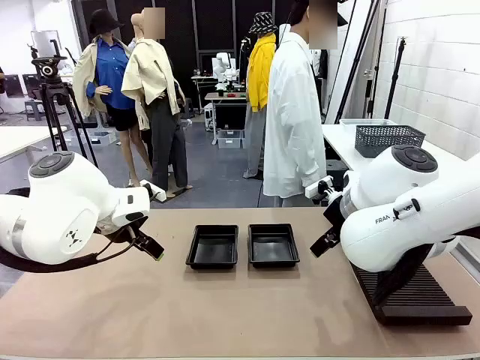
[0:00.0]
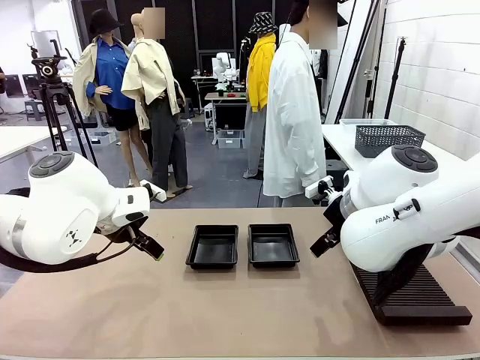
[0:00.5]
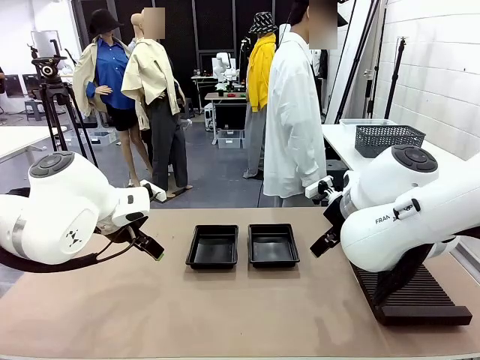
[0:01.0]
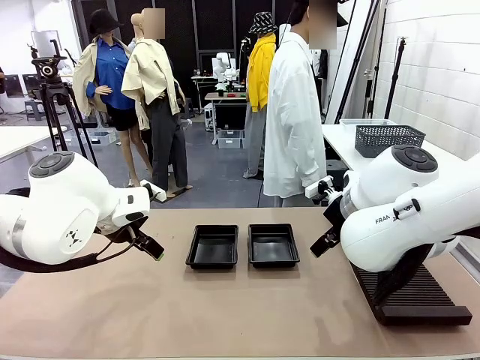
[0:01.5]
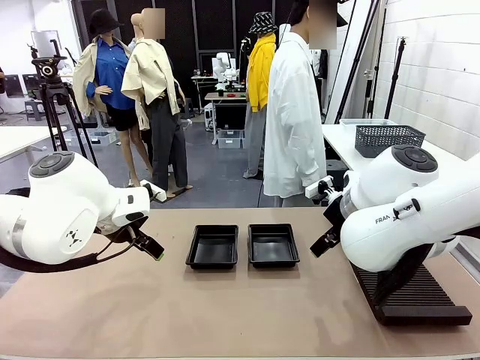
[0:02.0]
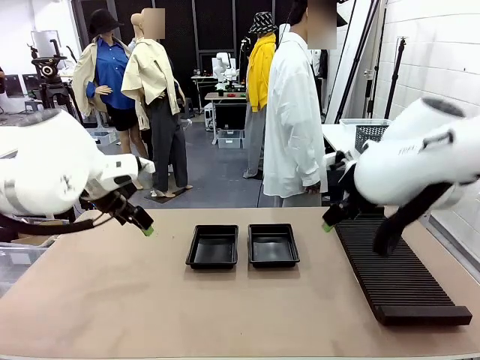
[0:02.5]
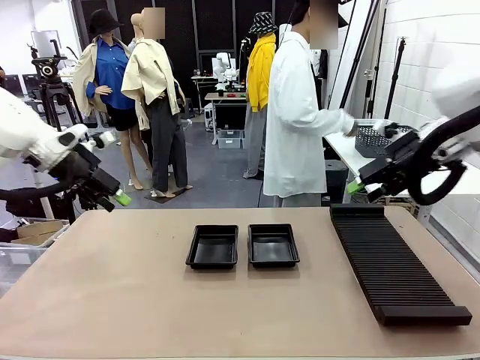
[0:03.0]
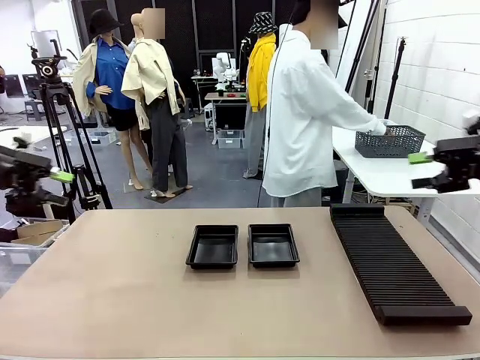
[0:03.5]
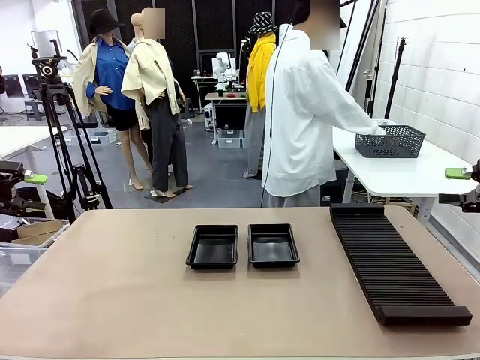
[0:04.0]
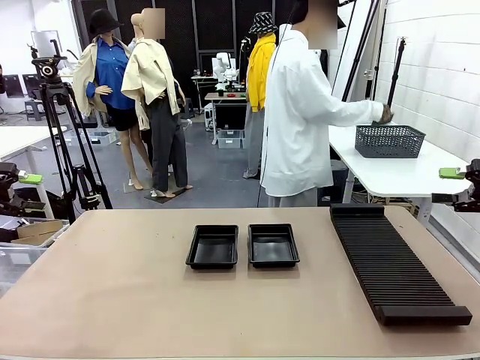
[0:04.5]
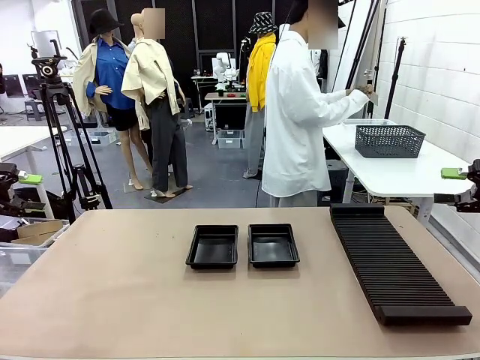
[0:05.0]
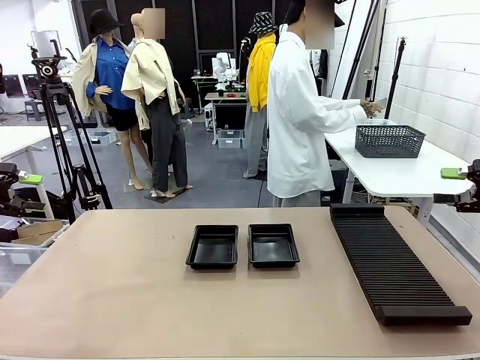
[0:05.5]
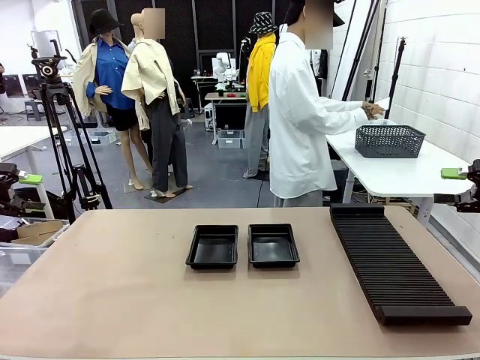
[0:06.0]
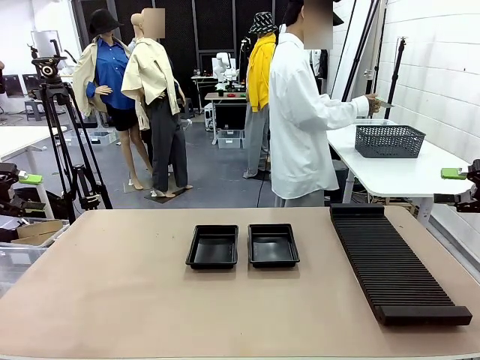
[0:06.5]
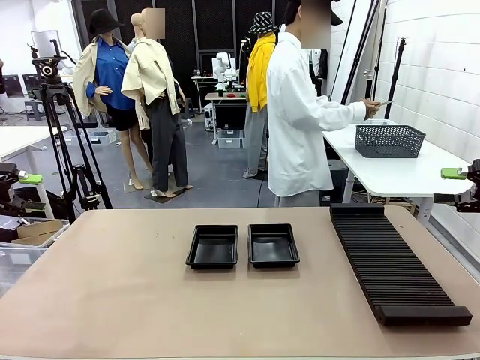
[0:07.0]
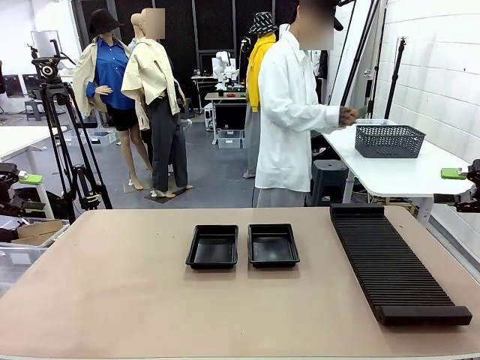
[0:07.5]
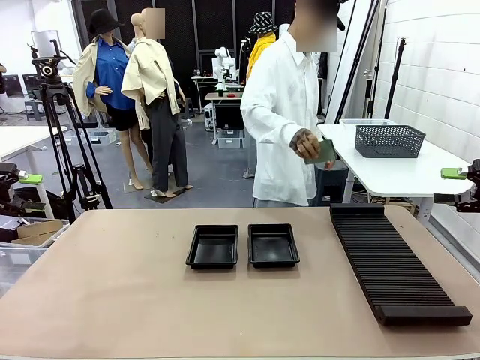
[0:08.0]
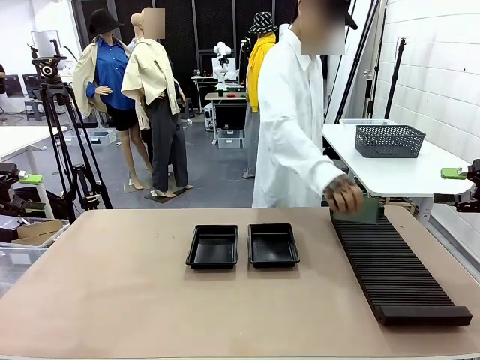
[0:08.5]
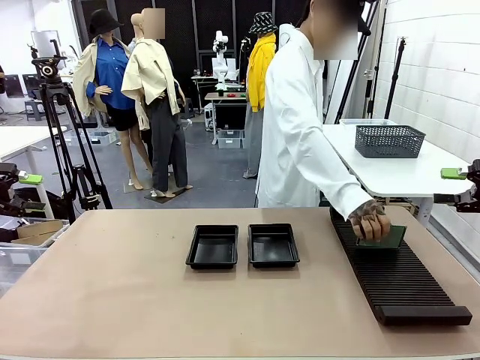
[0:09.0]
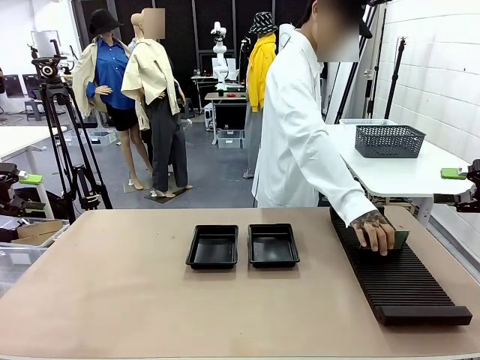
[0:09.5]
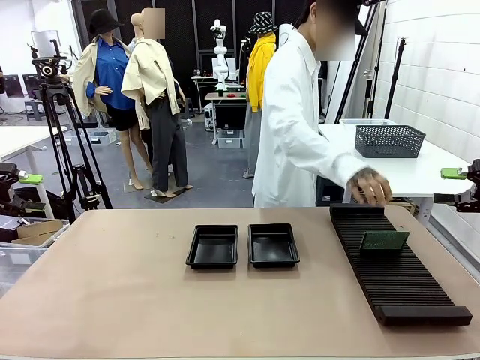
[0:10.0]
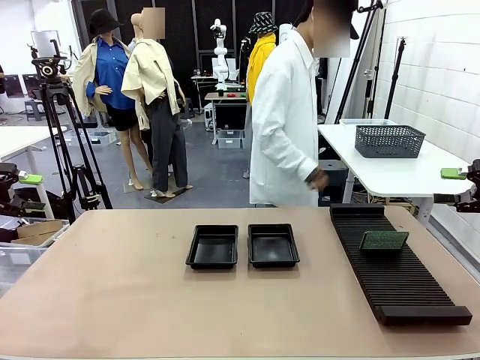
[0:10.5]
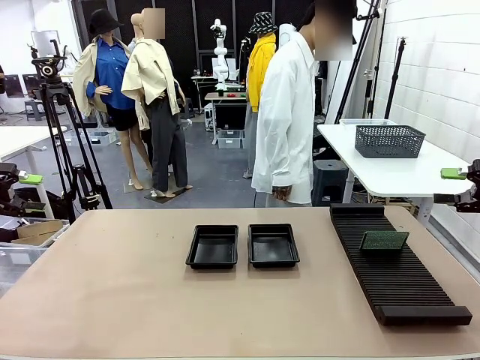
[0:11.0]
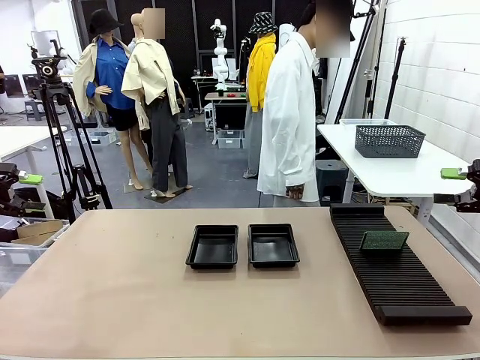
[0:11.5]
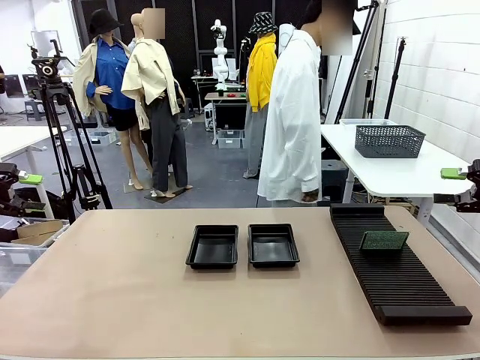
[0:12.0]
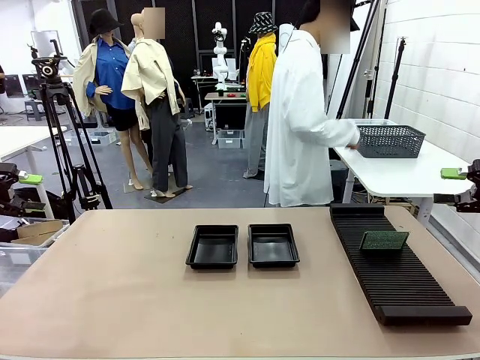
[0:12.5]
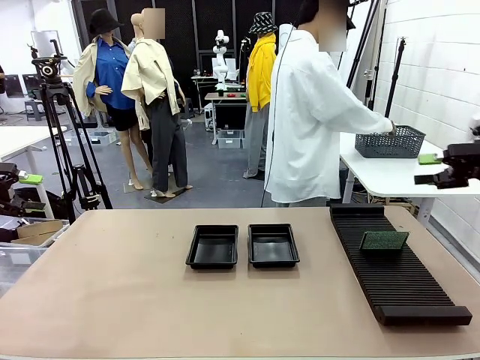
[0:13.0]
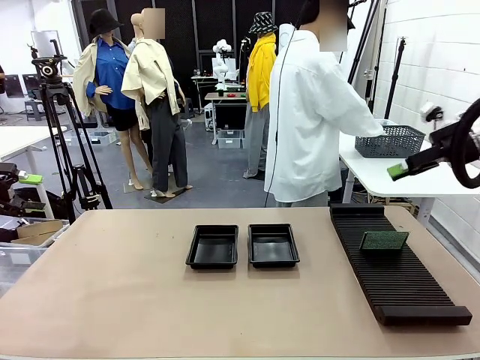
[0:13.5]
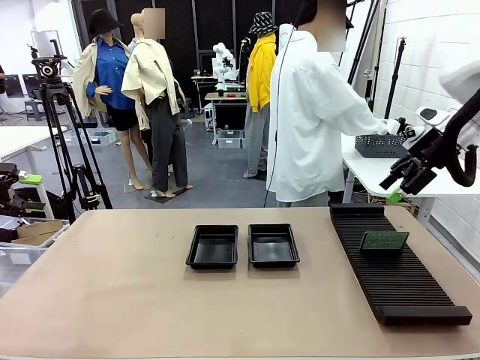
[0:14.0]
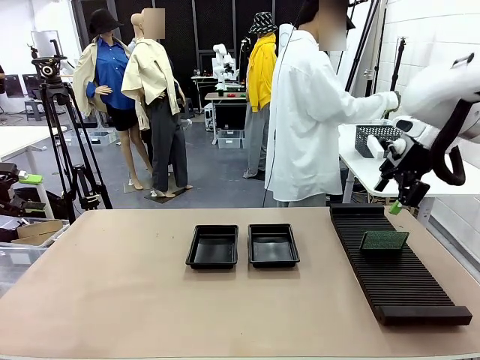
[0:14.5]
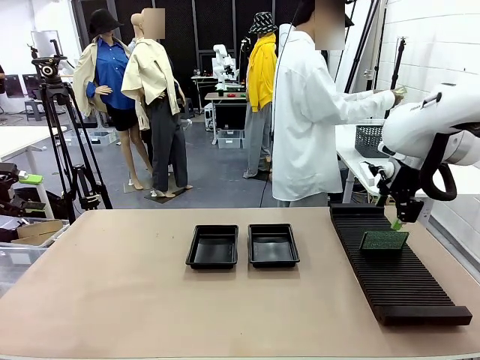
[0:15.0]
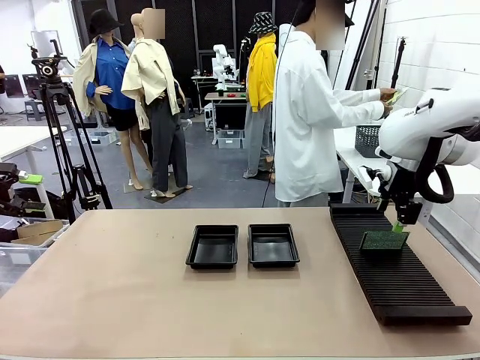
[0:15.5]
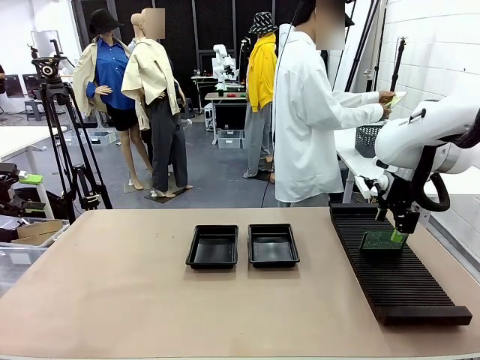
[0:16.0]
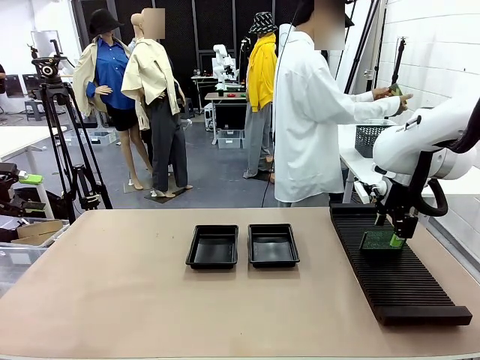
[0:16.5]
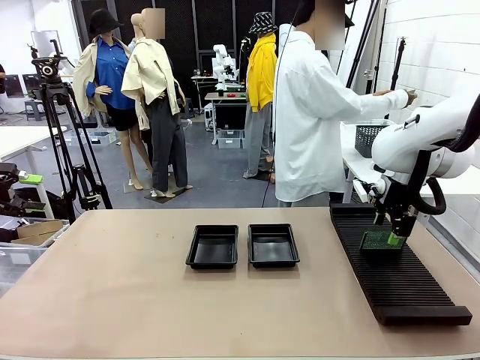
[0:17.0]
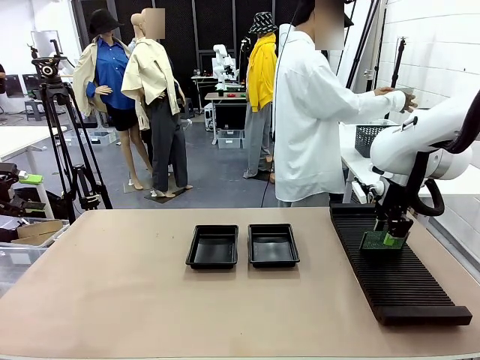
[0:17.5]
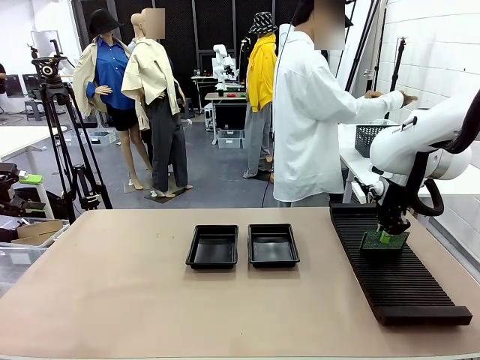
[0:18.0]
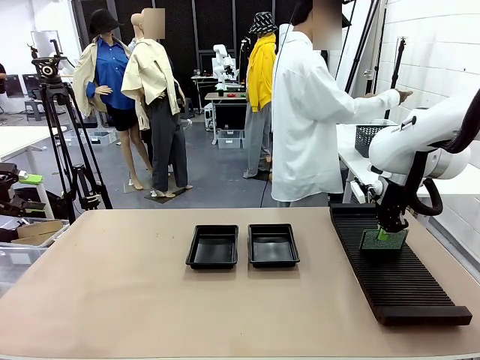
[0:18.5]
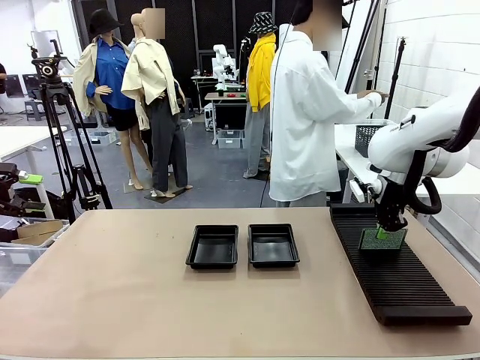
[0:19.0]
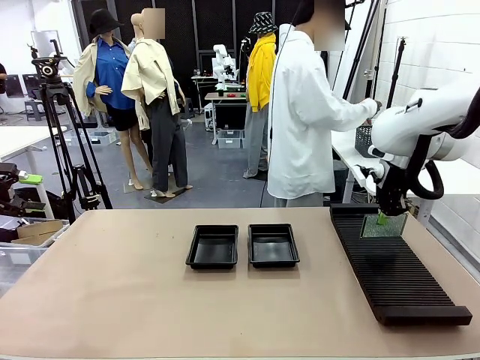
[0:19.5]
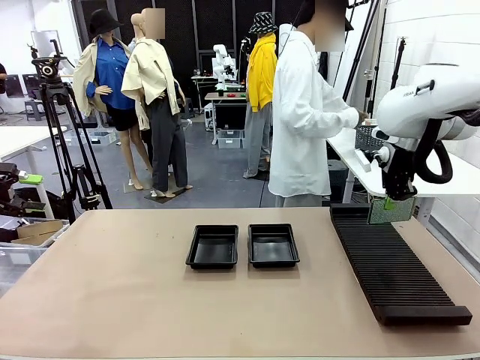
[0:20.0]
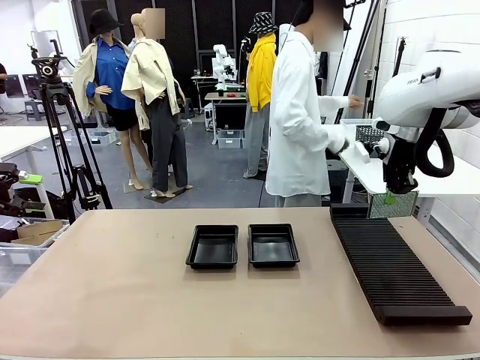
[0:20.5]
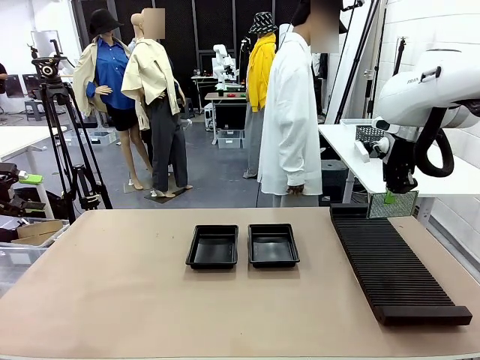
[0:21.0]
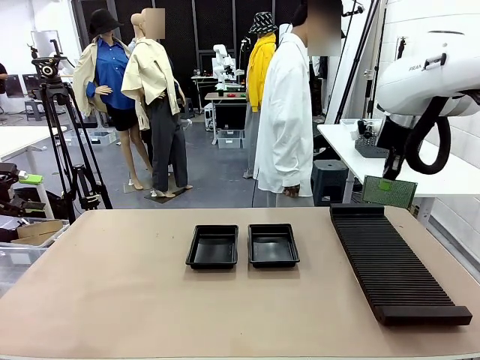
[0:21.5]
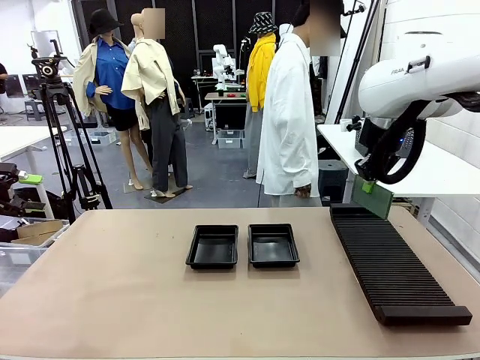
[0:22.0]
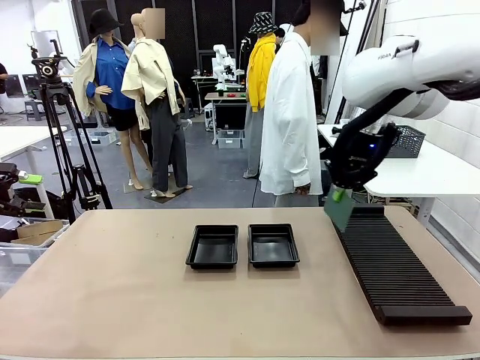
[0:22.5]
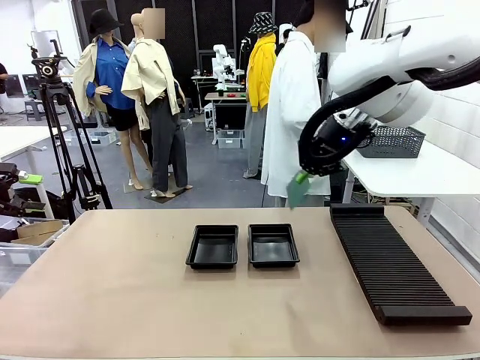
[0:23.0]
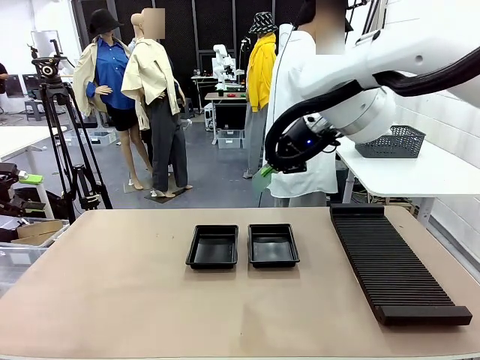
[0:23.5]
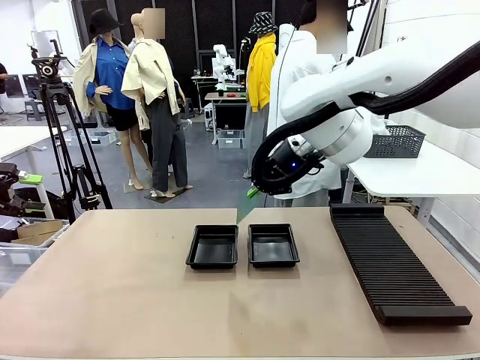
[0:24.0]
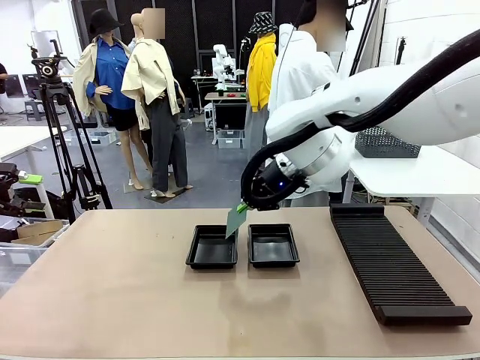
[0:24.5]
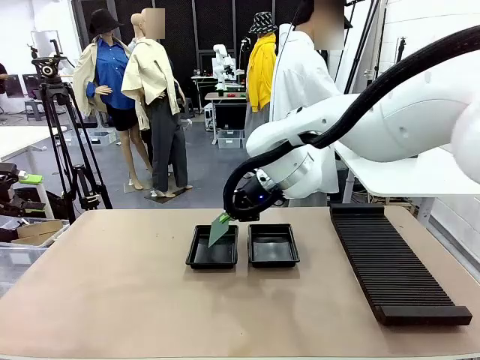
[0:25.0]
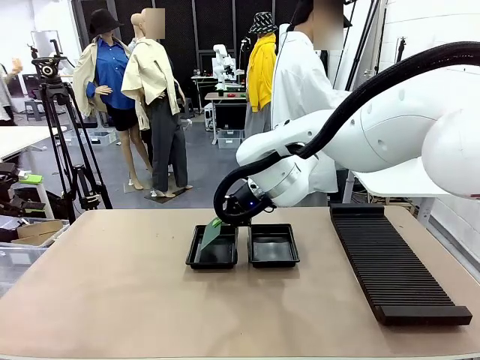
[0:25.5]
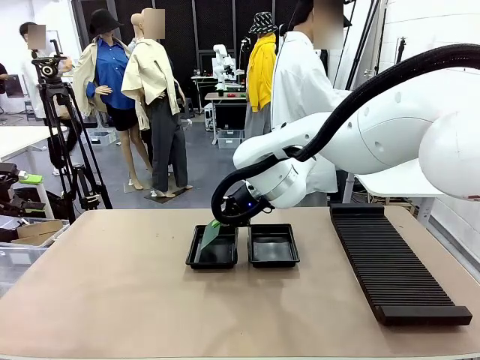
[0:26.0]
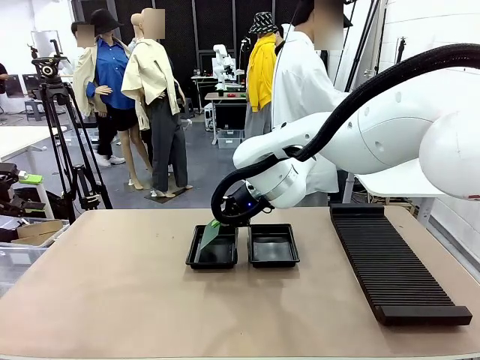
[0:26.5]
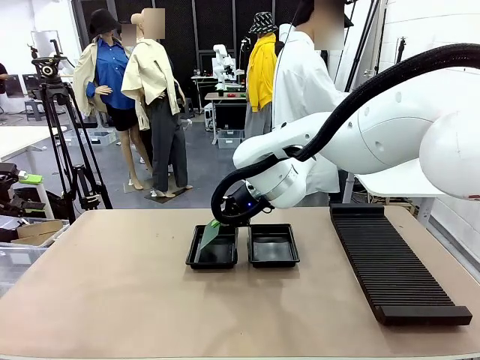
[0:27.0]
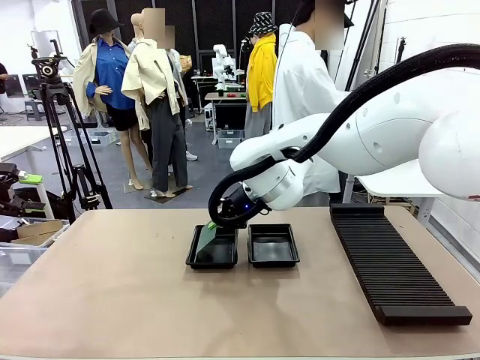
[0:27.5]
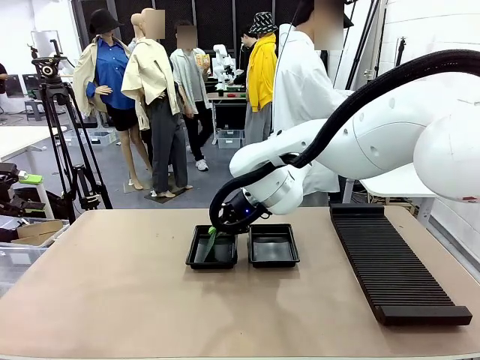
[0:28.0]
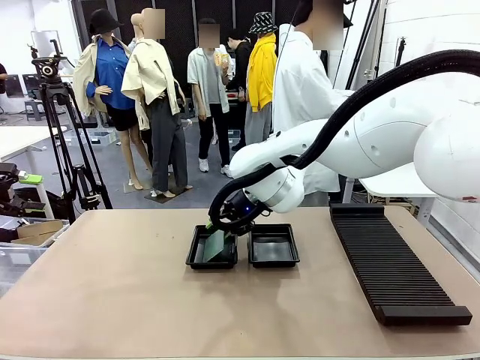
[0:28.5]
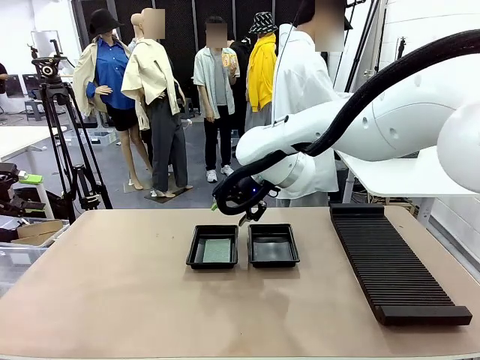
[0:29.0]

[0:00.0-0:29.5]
Task: Inspect and transfer BCBs to ESD trays.
Robot: Pick up the Blank PCB from the PCB Rack and place it in the left ESD tray.
